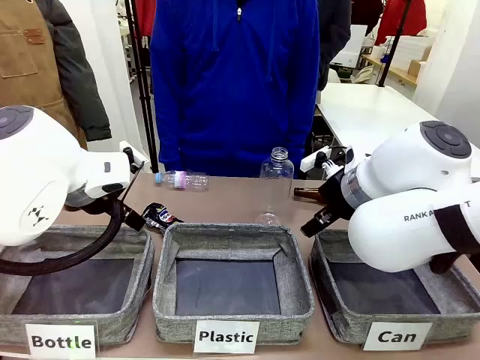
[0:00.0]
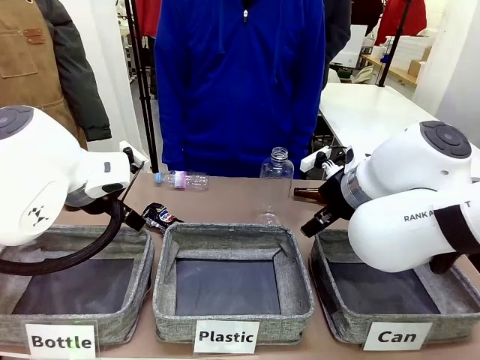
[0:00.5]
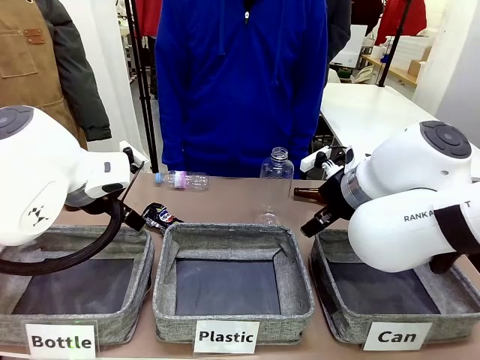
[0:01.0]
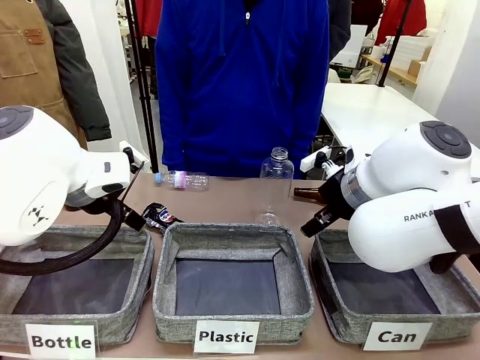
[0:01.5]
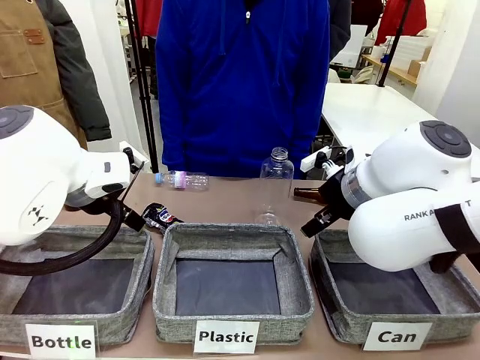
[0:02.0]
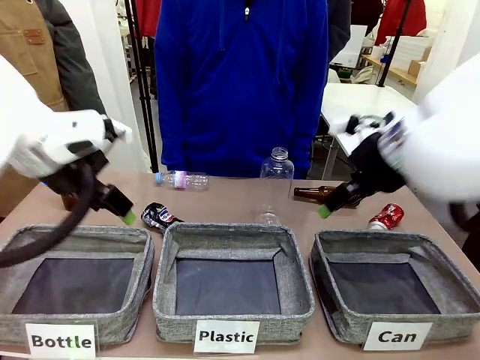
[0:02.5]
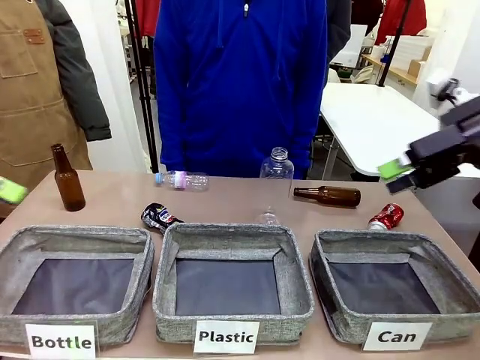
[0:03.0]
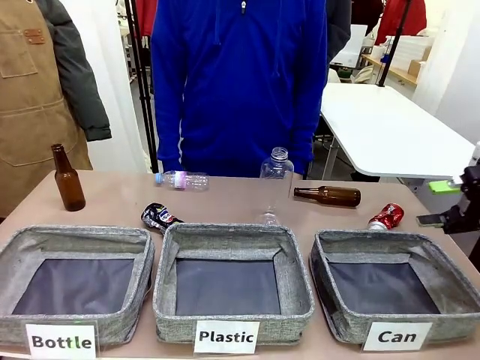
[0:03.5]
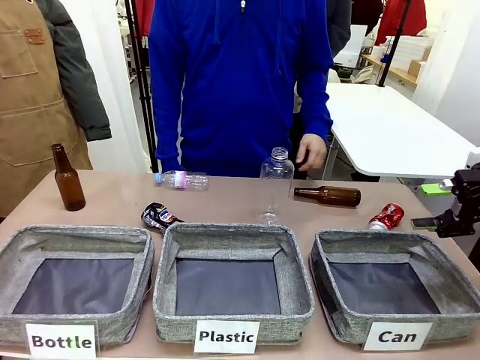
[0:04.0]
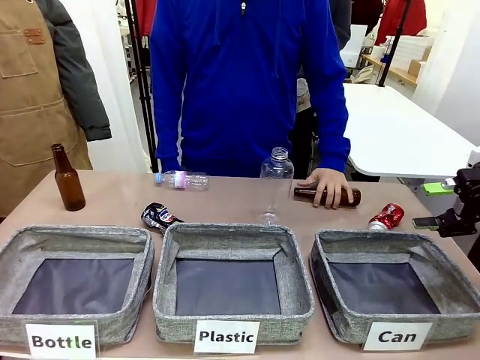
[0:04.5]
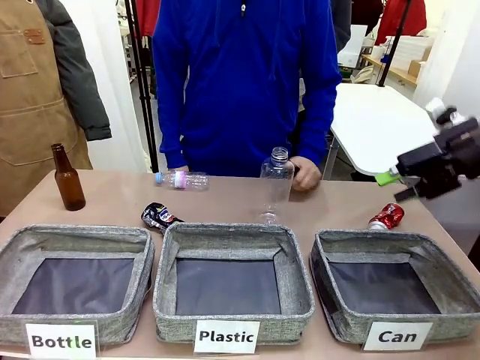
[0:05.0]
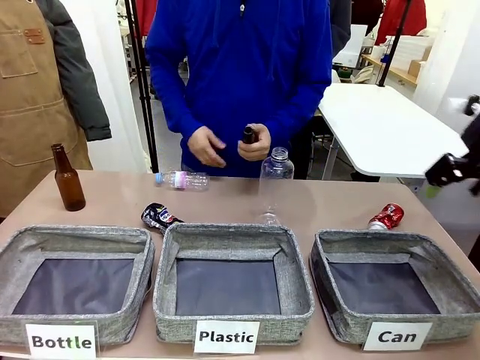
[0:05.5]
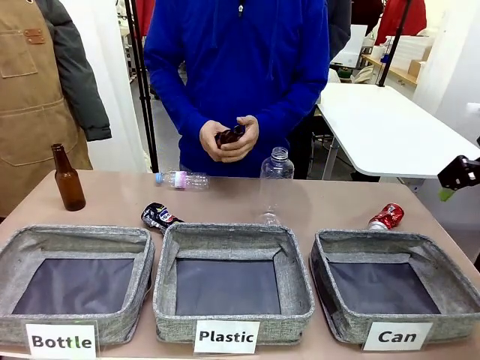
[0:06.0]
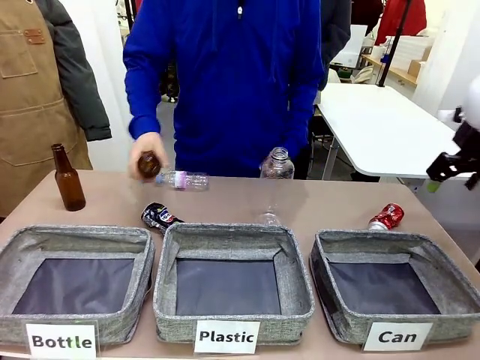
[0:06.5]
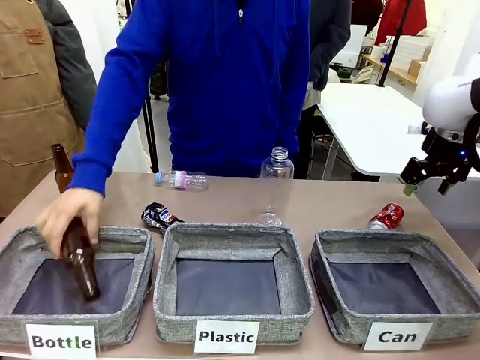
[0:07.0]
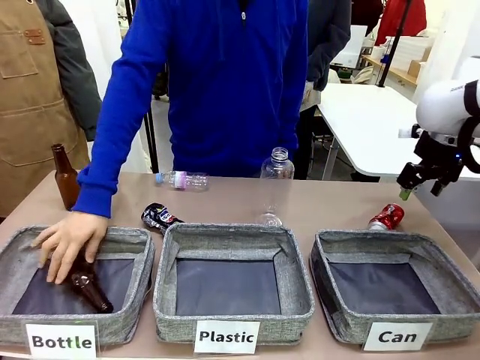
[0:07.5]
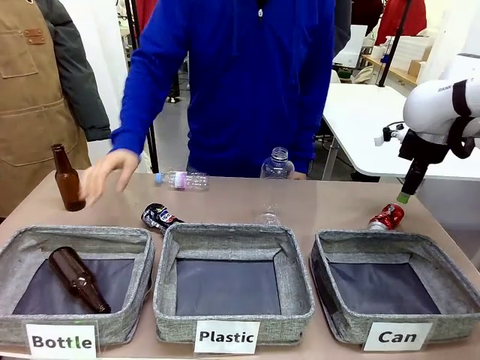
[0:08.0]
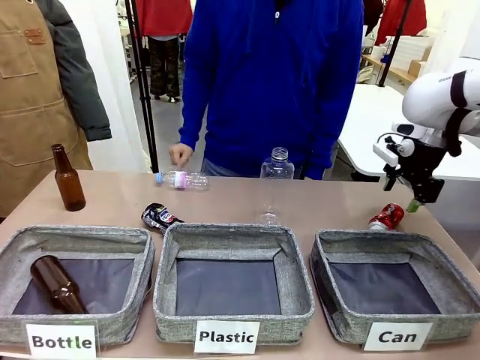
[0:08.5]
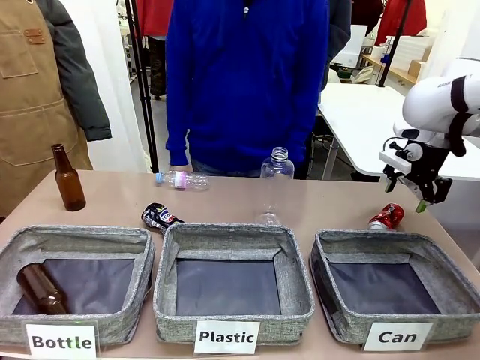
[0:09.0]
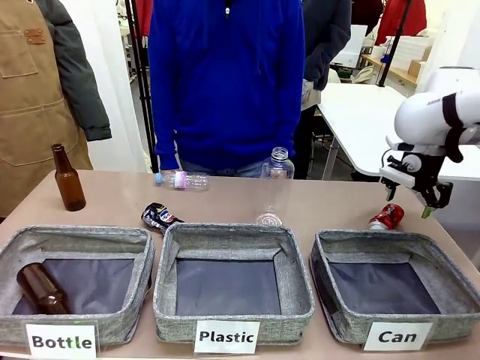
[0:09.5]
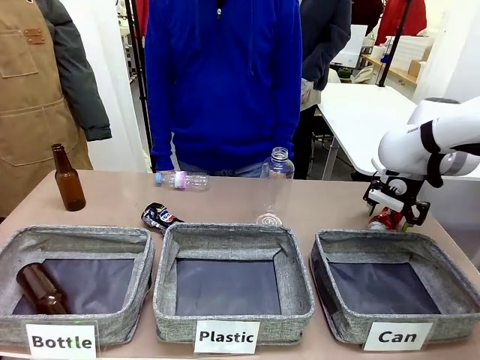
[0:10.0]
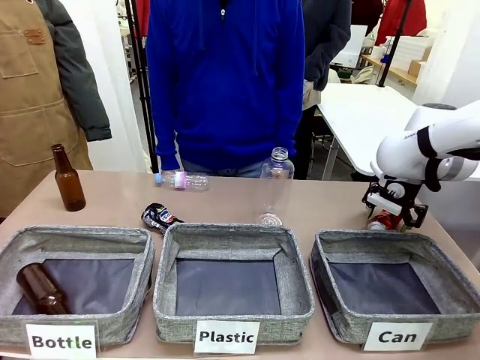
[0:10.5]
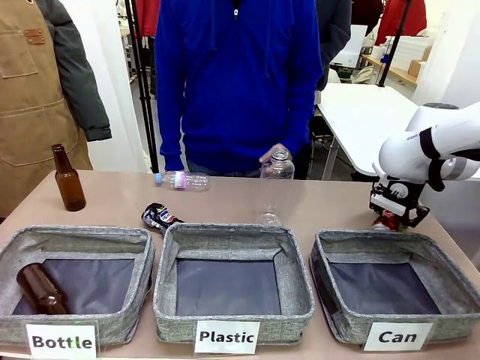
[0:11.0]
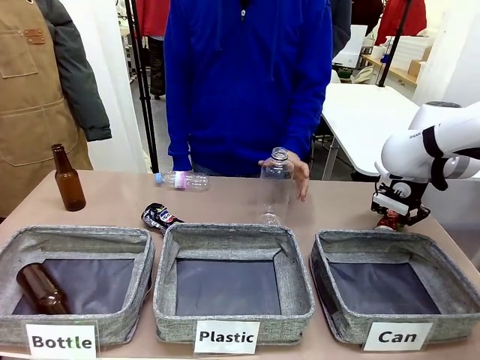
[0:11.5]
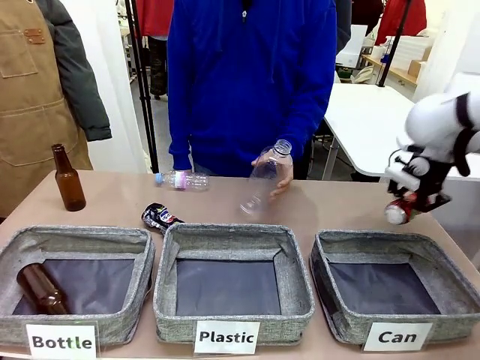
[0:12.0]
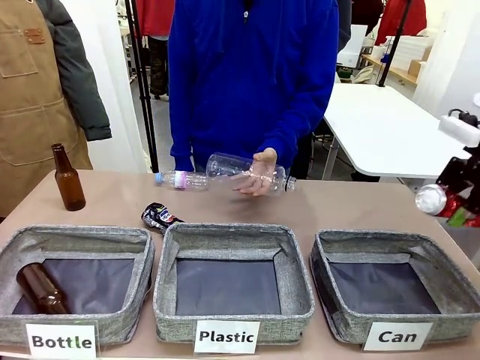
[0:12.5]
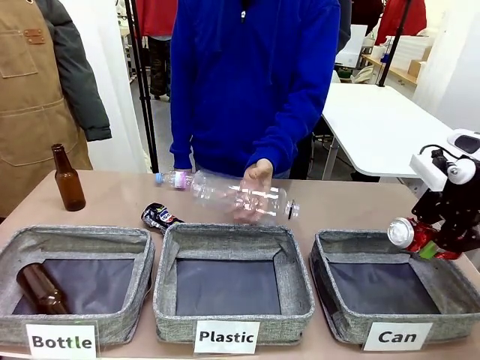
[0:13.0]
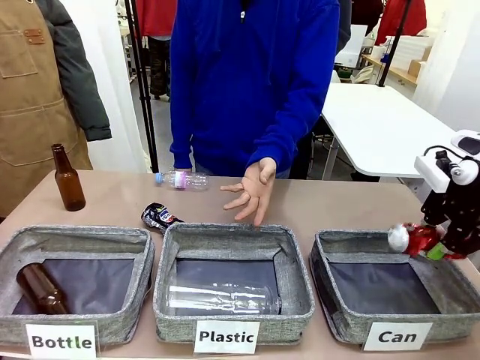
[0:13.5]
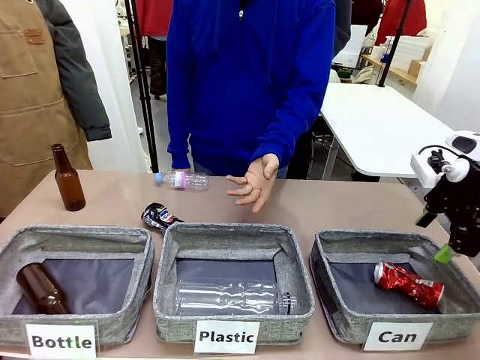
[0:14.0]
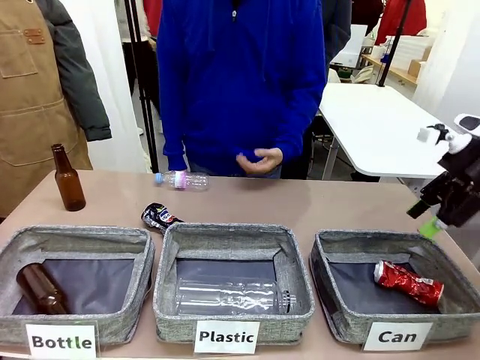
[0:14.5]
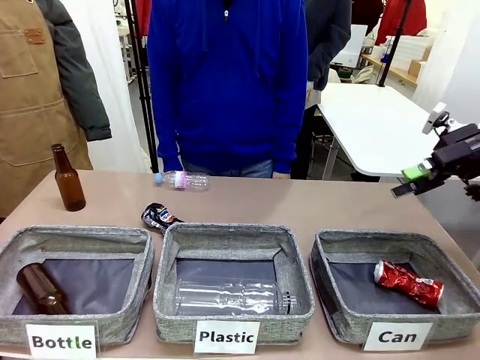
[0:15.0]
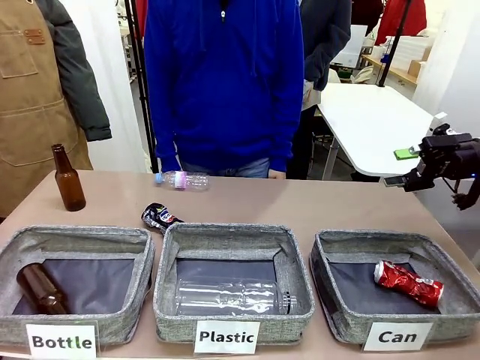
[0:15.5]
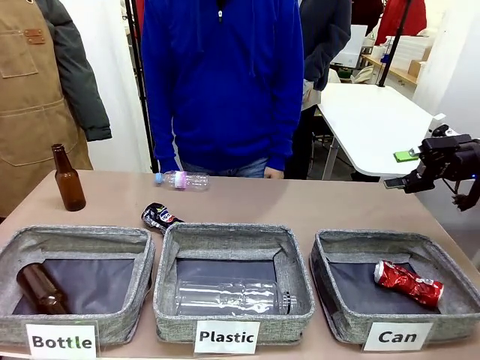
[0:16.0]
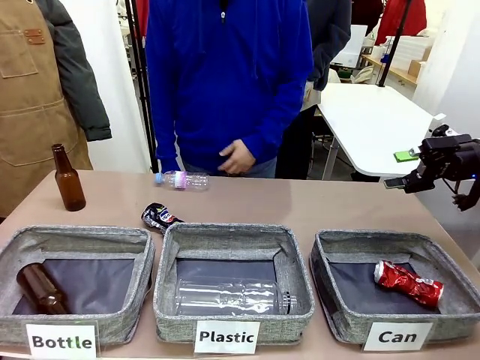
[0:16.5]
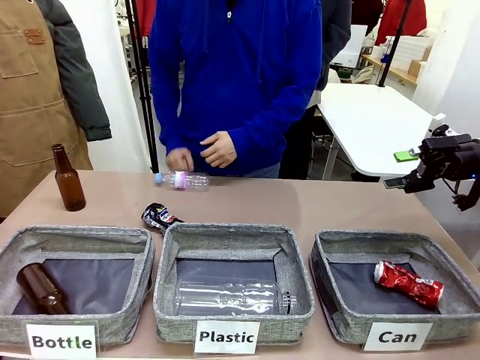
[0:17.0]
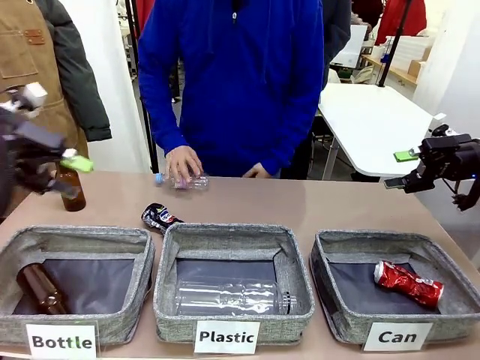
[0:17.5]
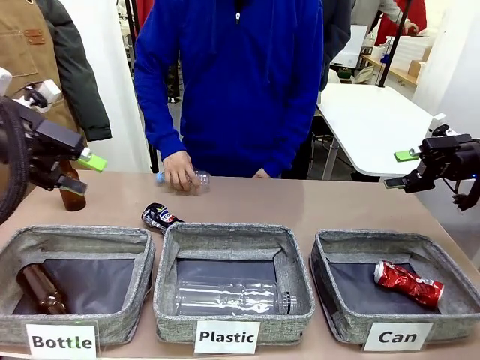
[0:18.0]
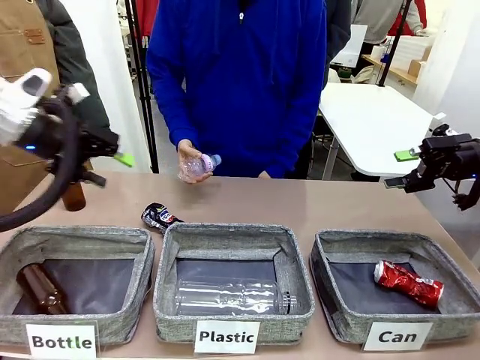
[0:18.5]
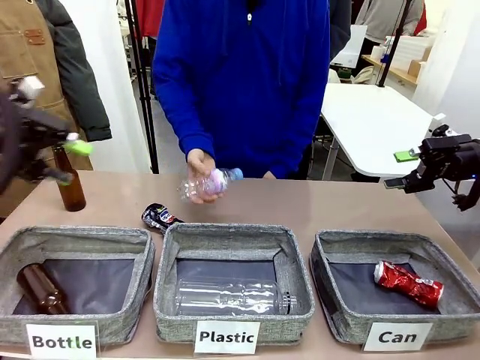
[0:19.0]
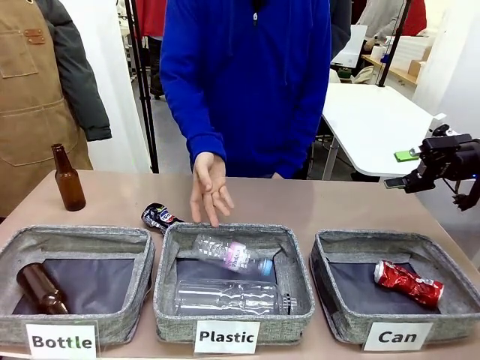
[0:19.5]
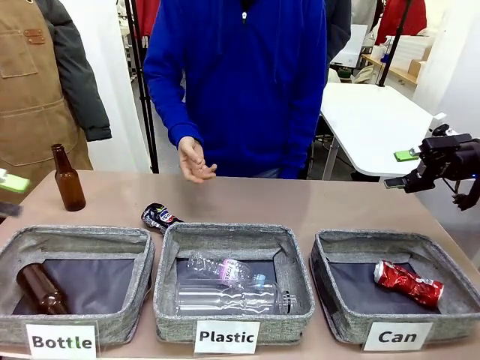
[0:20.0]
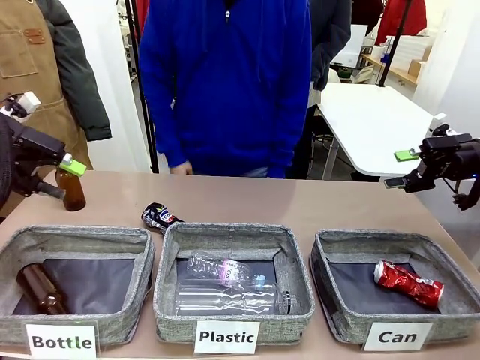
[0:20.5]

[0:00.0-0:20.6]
Task: Sort the can waste into the basket.
Robot: Pick up the can waste from the table and place it in the right Fabric basket.

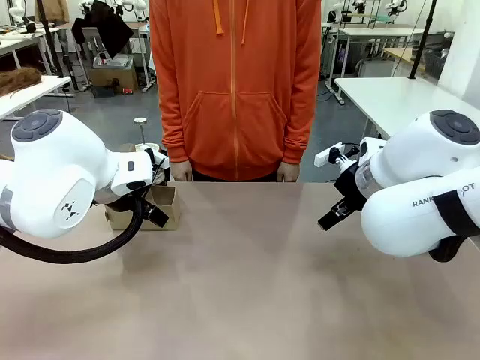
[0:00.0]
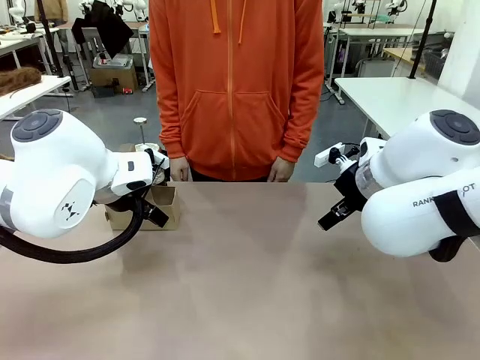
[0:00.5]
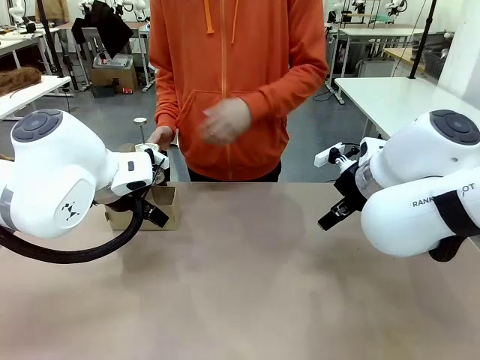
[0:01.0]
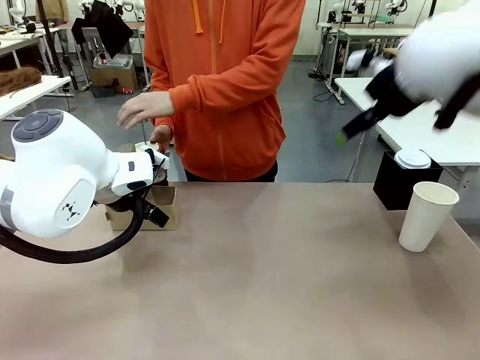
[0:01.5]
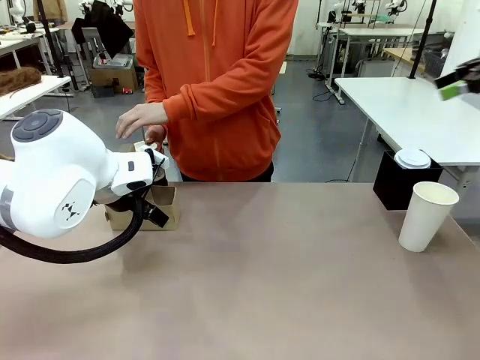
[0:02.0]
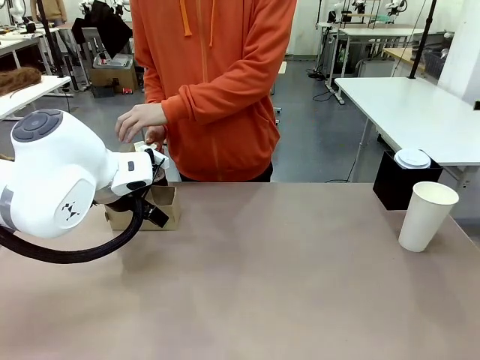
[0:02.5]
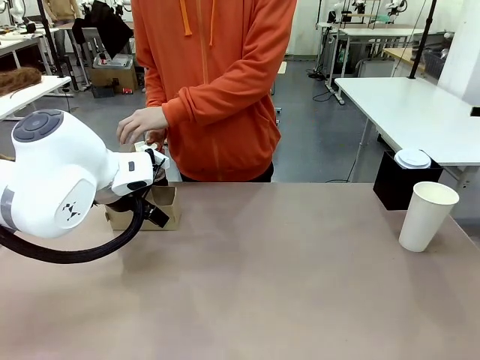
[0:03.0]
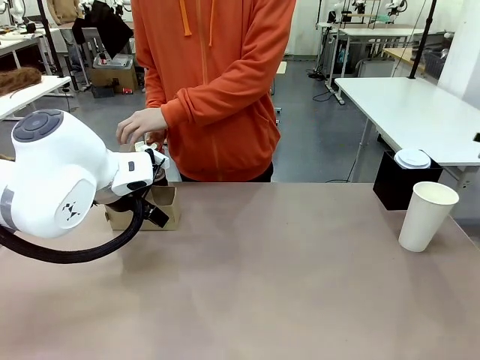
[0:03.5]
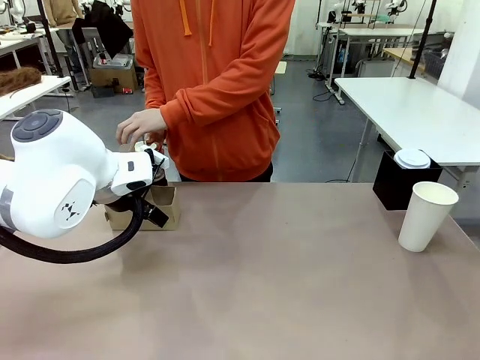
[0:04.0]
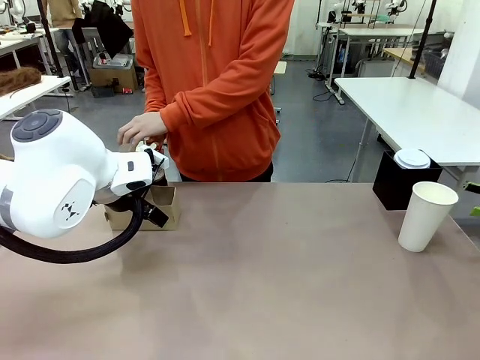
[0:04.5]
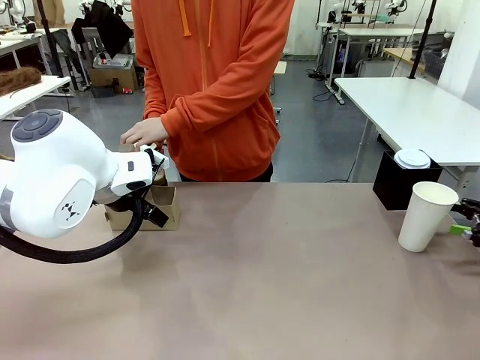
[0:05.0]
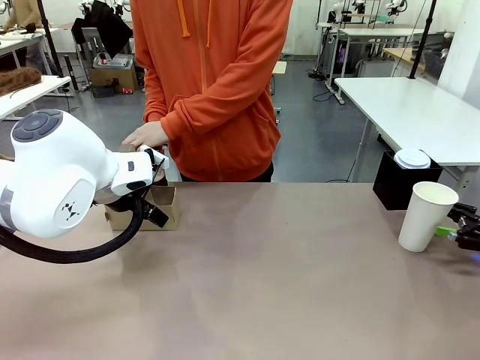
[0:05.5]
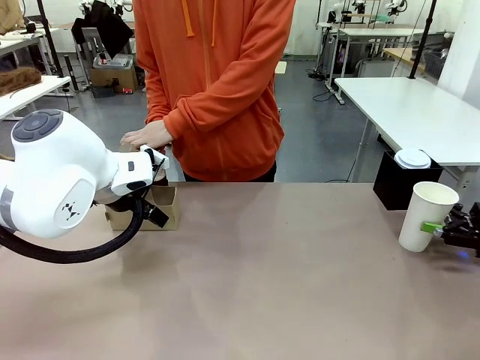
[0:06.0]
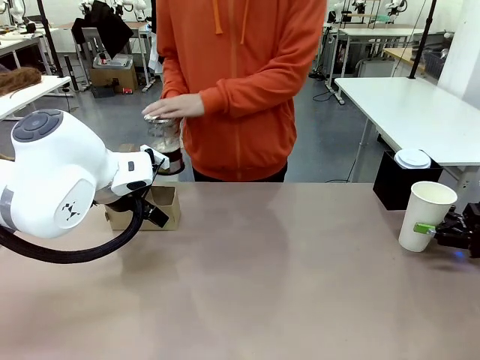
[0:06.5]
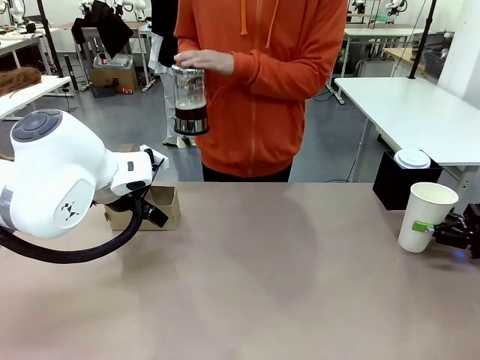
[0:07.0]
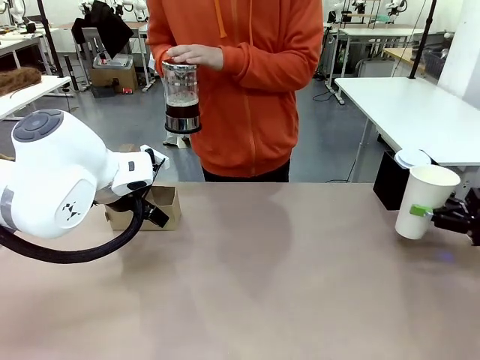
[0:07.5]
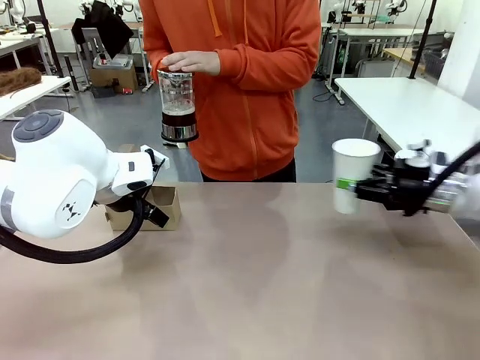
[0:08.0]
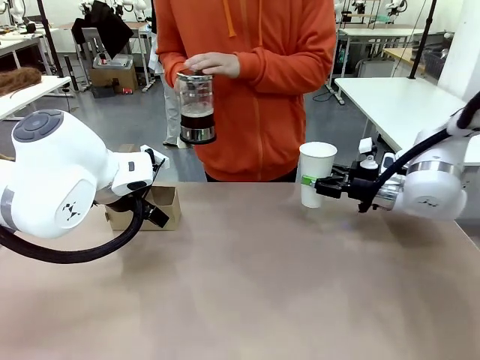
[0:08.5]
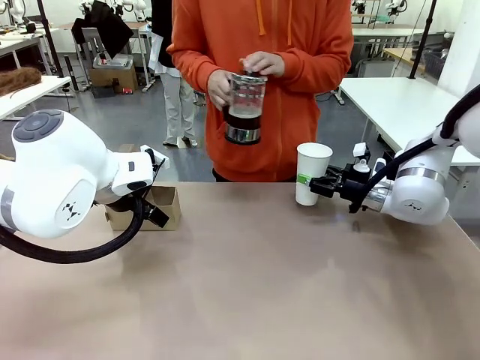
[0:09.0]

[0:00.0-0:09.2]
Task: Pour a drink into a cup and package it in a carrier.
Robot: Pick up the 600 ml Paper Cup and place it in the middle top area of the table.
Person: Press and pick up the Filter Brewing.
